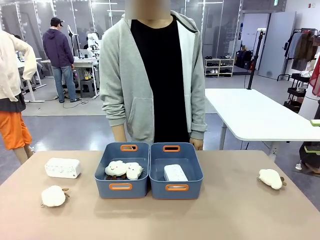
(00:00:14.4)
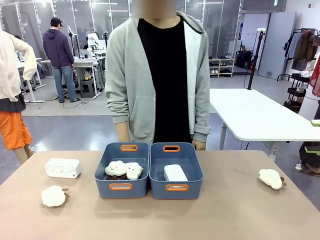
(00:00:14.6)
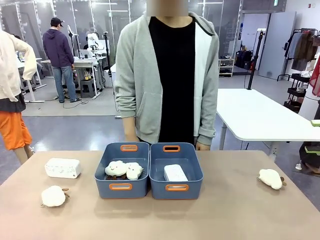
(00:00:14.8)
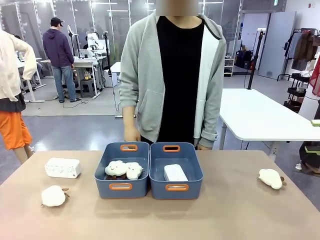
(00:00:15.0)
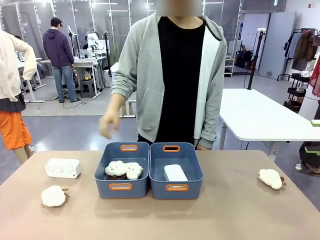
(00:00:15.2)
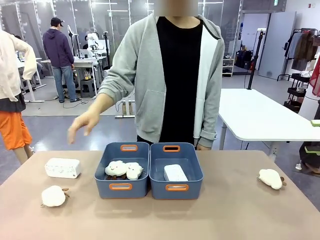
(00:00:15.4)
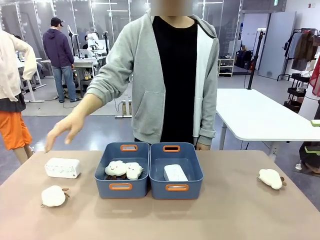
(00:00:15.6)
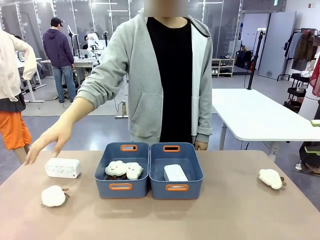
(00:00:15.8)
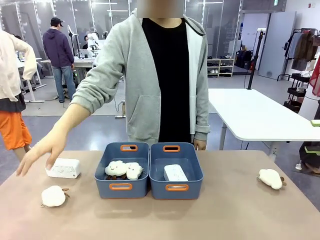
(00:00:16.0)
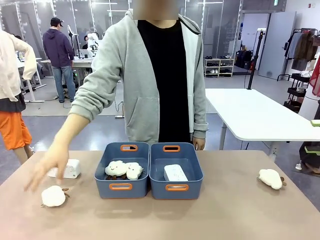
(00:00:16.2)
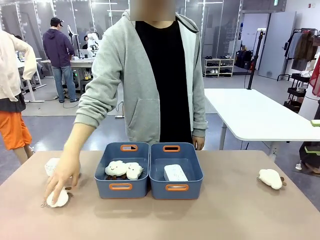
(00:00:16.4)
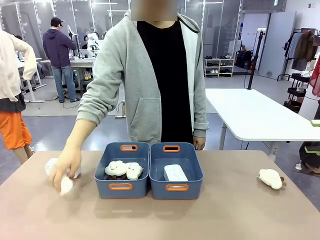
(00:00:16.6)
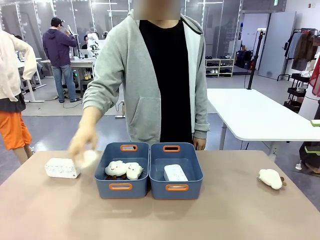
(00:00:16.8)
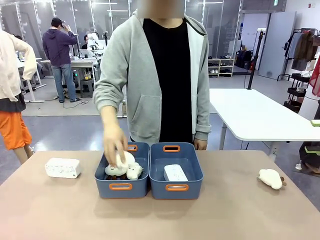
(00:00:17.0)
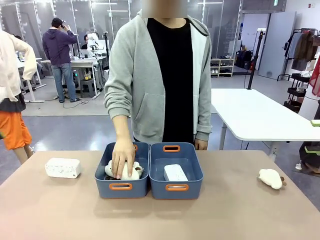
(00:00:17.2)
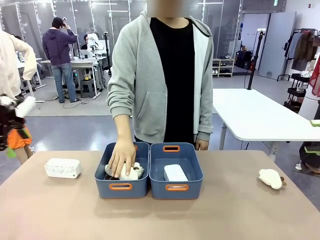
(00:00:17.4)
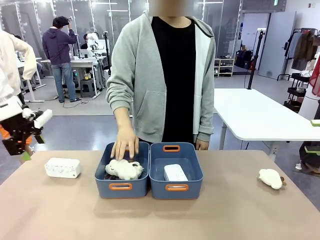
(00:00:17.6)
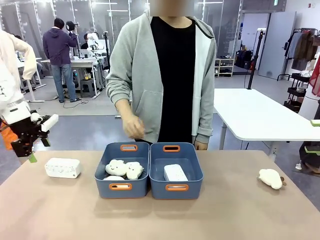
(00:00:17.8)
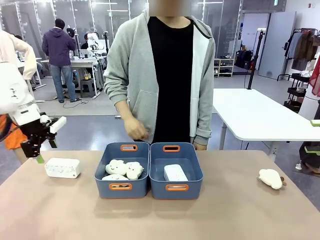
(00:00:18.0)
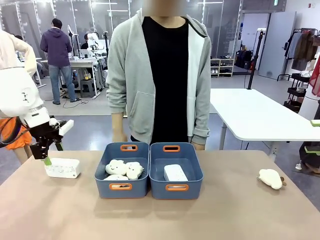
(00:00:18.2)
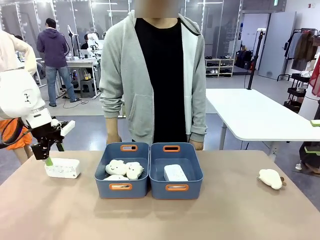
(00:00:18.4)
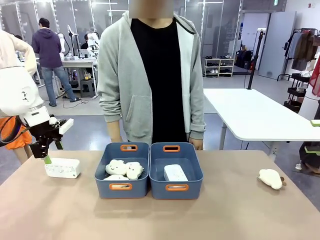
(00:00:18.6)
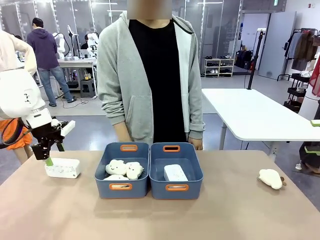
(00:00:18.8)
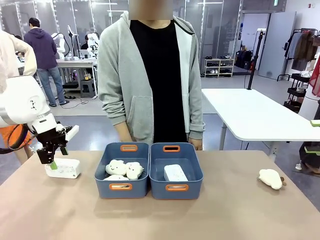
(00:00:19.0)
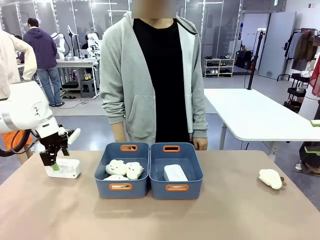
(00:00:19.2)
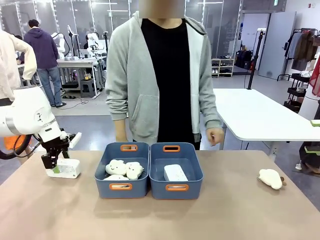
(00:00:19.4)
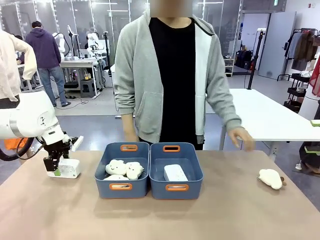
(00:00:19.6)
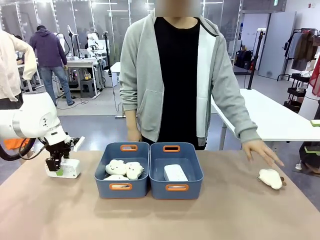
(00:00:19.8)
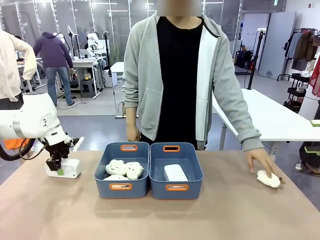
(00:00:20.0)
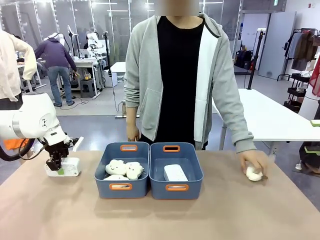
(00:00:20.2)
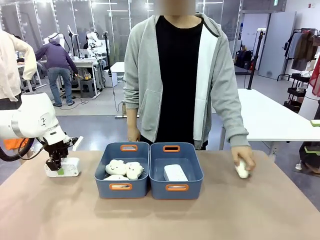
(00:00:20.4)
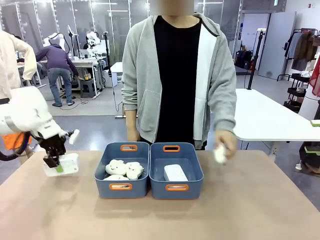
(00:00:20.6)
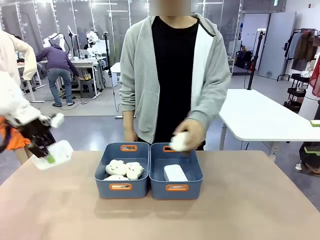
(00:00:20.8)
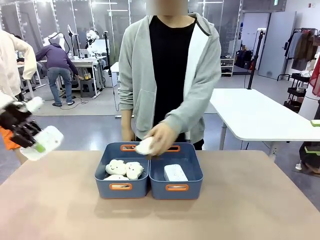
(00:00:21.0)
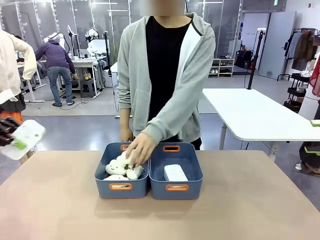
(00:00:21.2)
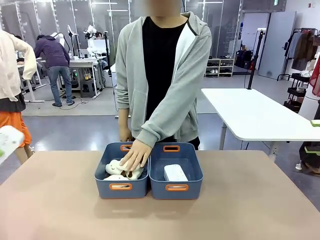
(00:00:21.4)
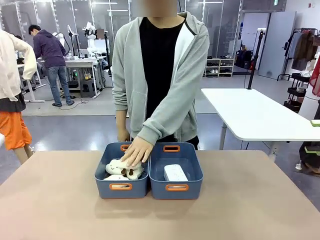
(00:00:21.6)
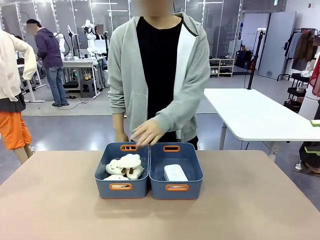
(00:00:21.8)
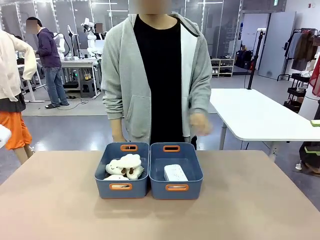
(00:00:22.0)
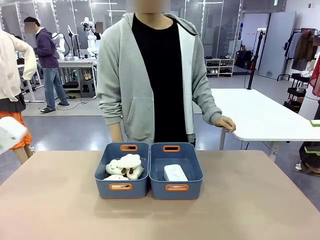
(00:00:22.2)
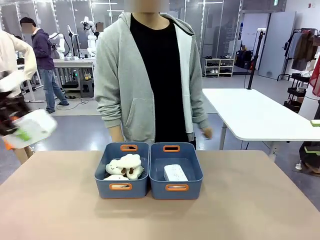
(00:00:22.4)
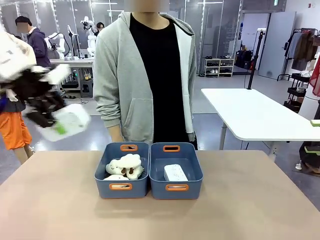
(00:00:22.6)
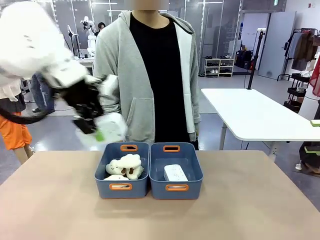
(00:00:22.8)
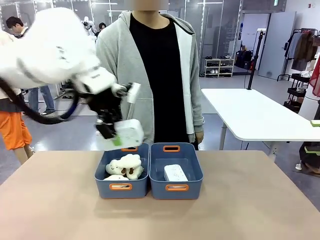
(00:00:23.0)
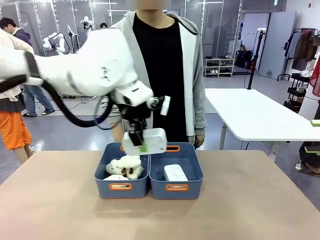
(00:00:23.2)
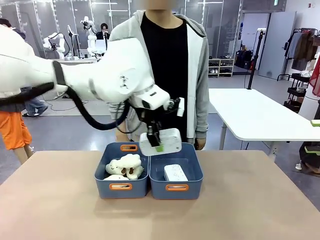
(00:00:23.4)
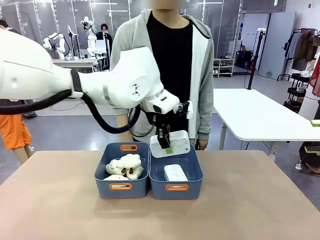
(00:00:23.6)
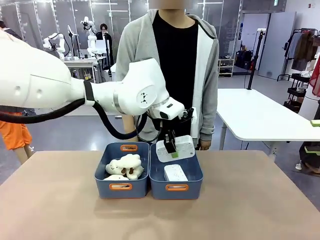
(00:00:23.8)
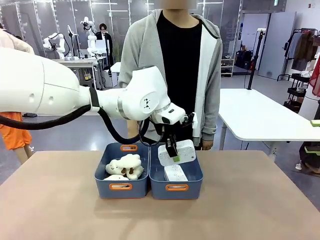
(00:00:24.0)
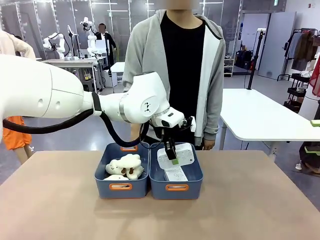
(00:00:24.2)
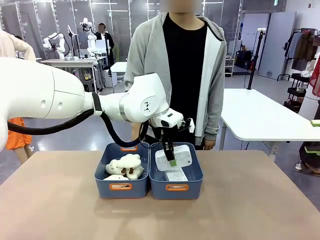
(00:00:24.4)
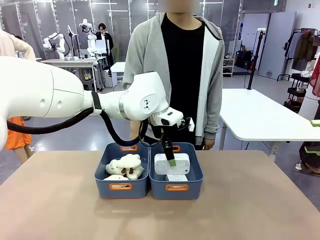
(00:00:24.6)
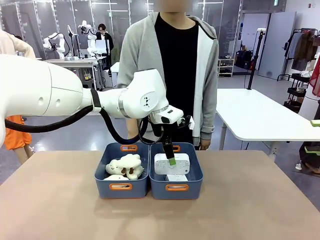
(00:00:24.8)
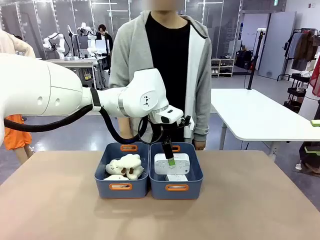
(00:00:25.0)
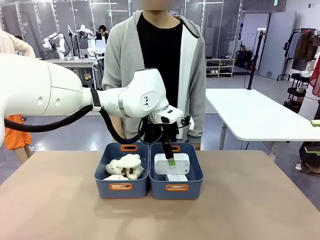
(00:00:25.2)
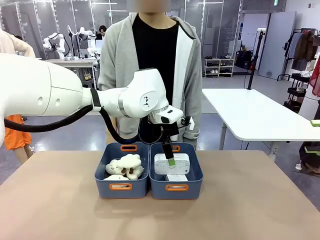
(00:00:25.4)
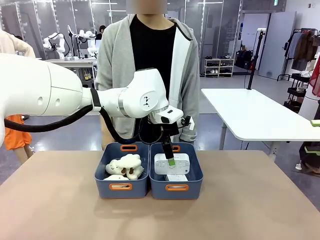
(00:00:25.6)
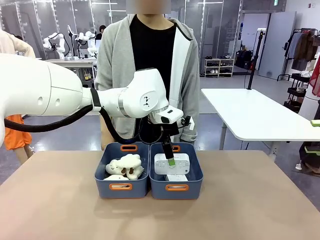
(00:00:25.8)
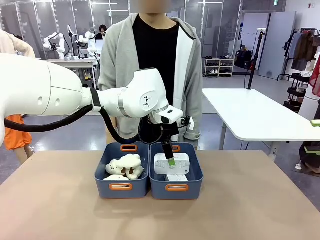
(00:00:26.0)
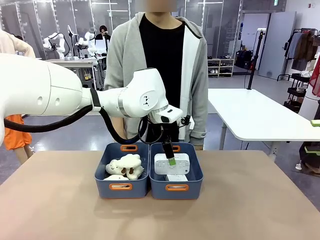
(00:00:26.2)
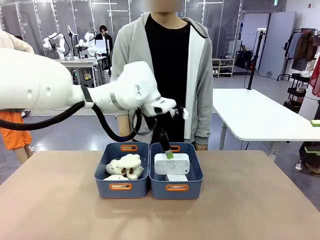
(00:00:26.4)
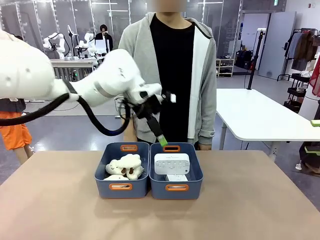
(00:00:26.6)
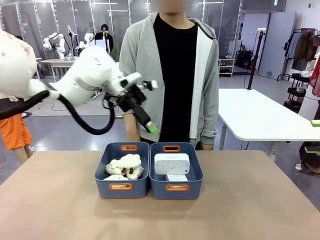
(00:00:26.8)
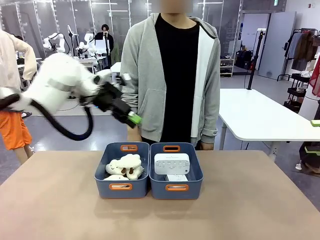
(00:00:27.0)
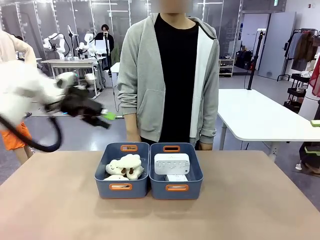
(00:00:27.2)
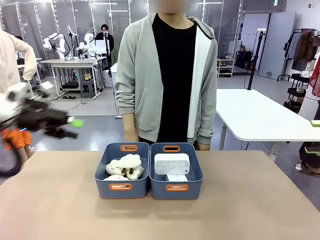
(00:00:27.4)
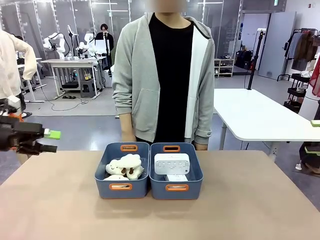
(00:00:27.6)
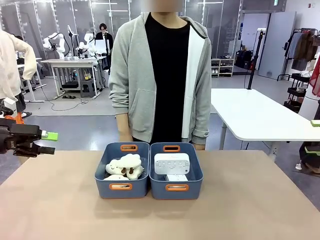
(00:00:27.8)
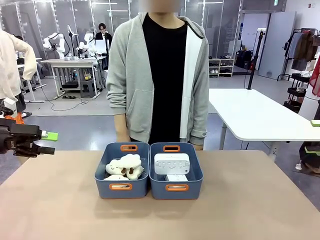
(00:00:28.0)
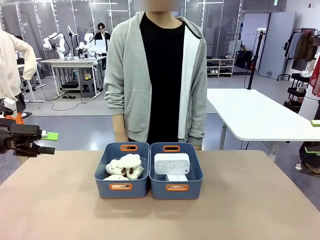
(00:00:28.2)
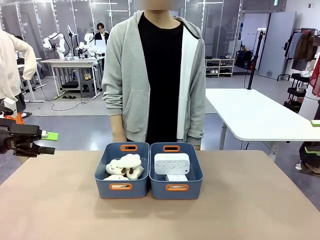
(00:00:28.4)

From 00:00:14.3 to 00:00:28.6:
Task: Sort the digital clocks into the basket.
Robot: Pick up the Digital clock from the table and place it into the empty Plastic storage basket.
Person: Pick up a plush toy from the table and place it in the plastic storage basket containing the plush toy.

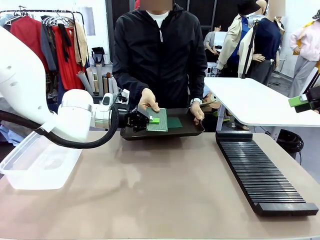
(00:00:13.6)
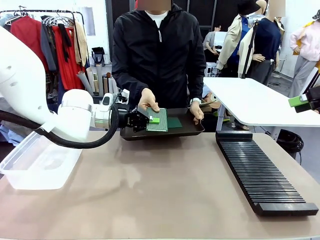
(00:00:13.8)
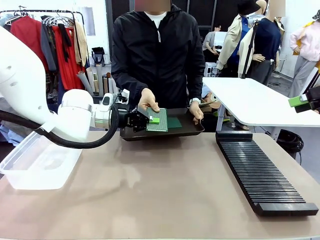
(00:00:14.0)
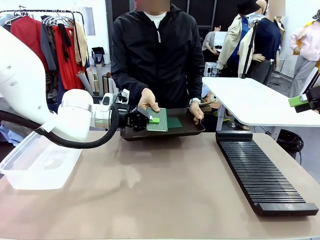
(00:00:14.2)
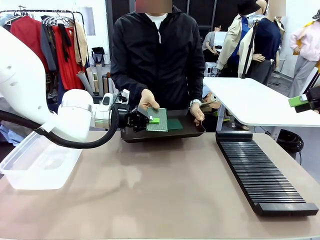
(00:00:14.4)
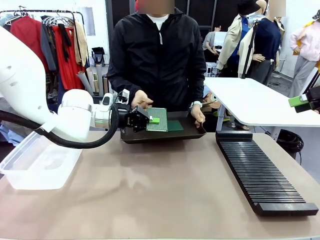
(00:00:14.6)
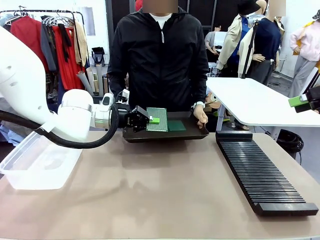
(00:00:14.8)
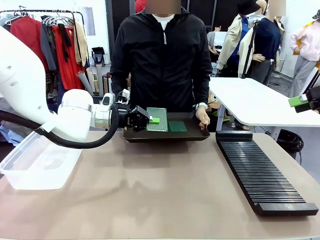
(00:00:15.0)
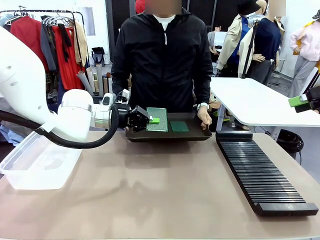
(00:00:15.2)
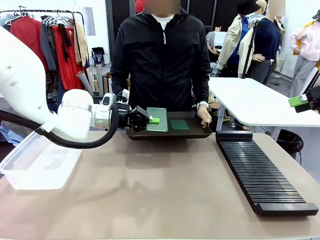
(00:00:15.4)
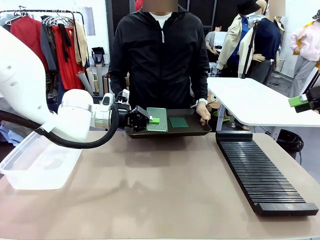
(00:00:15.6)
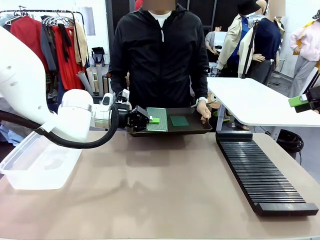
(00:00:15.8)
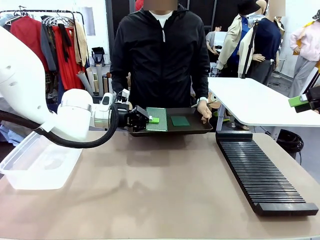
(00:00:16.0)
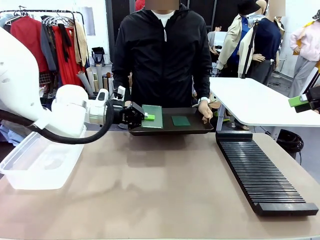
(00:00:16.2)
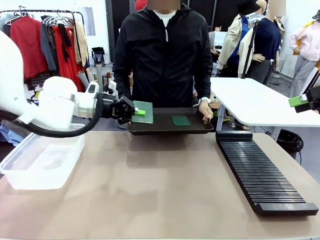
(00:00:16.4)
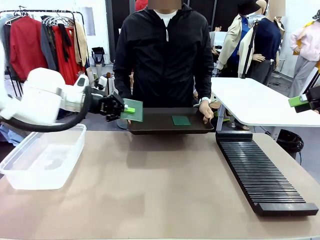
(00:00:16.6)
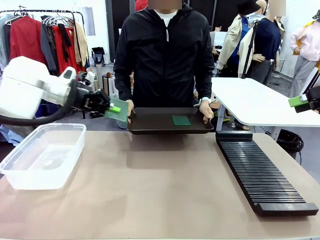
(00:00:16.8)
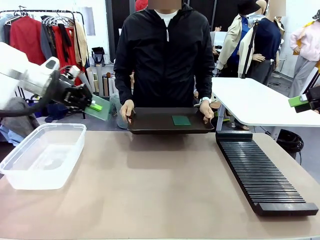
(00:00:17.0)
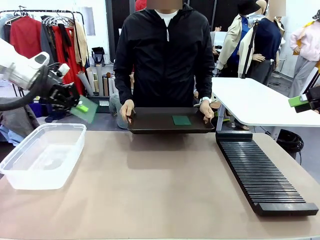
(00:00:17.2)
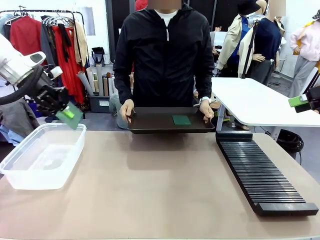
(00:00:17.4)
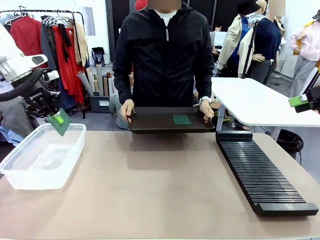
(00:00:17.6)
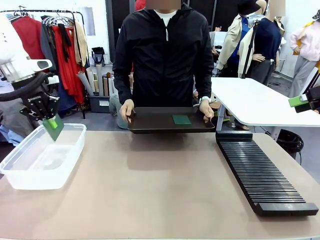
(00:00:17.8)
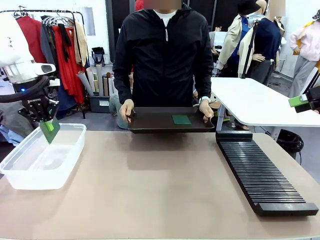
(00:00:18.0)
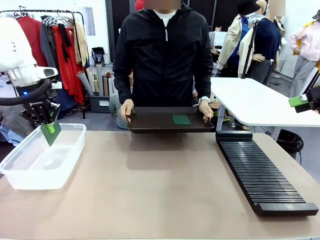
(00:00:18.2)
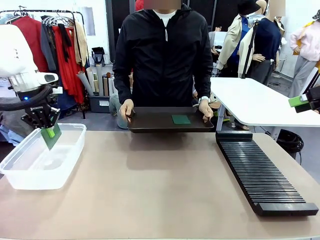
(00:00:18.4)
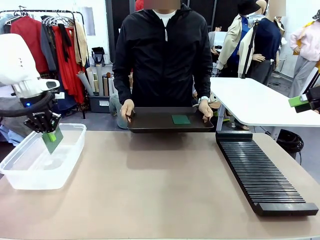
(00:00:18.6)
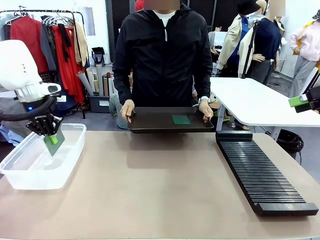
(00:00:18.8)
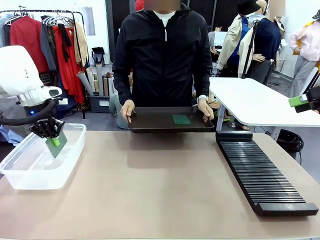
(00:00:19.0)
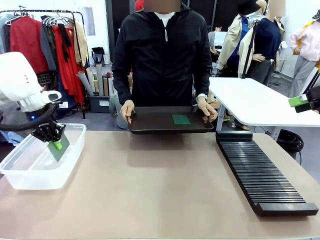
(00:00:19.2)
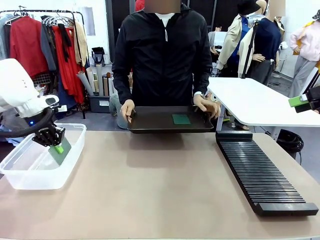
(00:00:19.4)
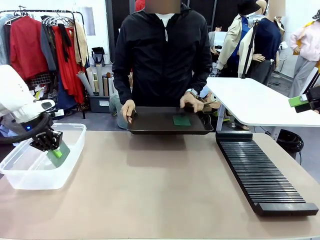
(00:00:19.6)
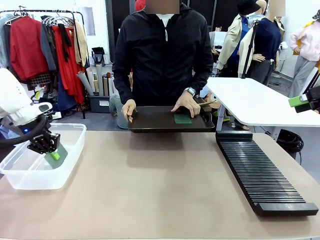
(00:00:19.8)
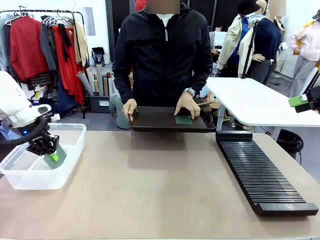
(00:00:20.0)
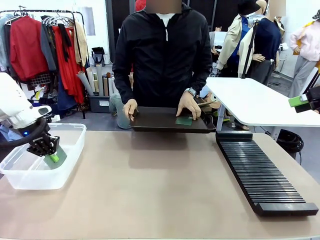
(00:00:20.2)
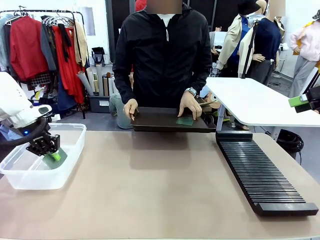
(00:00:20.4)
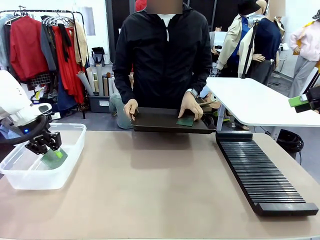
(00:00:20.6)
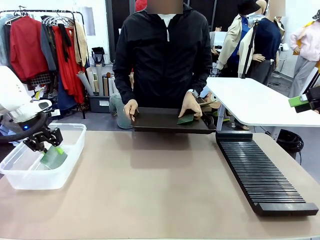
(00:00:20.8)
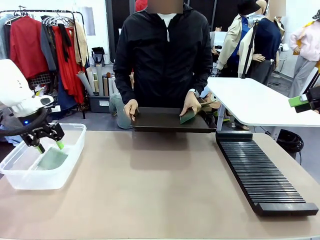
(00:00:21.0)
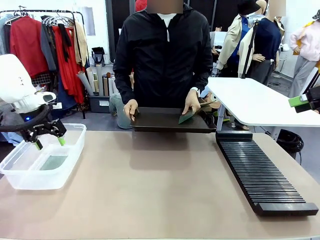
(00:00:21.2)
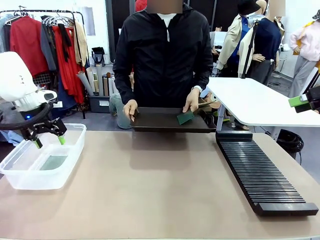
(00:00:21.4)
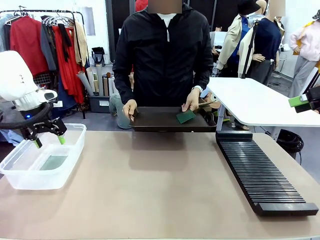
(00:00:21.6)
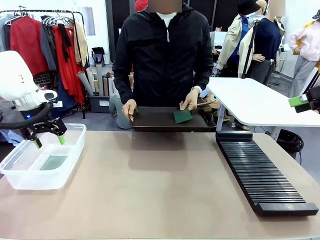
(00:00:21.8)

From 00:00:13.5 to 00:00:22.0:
Task: Sort PCBs into racks and boxes based on the side picked up.
Robot: If the short side of the Blank PCB is picked up, insert it into the PCB Rack ; if the long side is picked up, place it in the Organizing box.
Person: Pick one PCB from the tray and present it to the robot.
